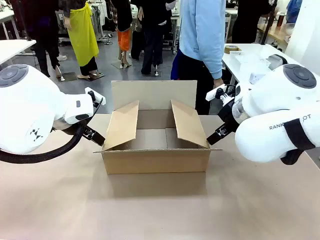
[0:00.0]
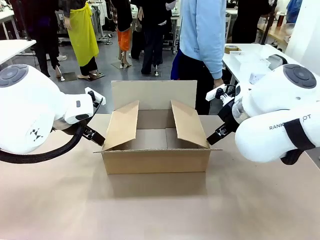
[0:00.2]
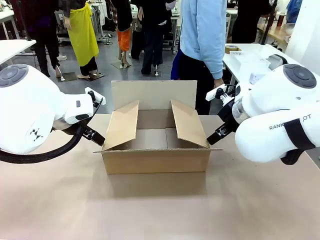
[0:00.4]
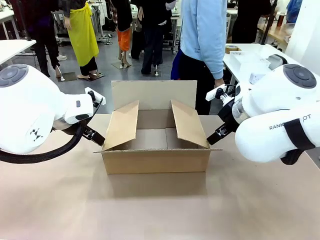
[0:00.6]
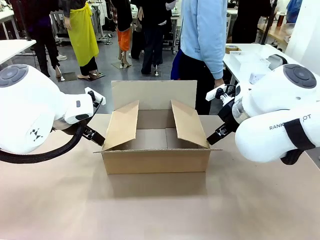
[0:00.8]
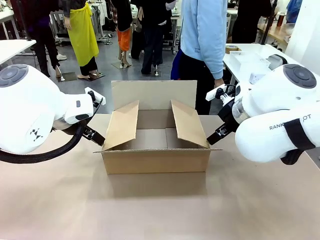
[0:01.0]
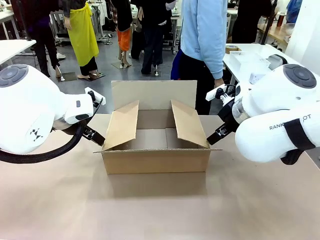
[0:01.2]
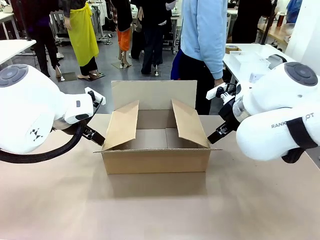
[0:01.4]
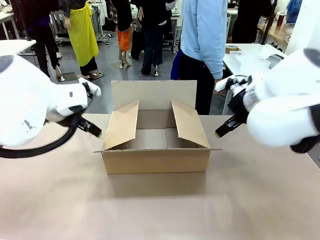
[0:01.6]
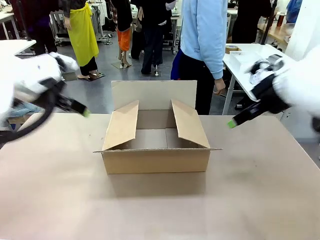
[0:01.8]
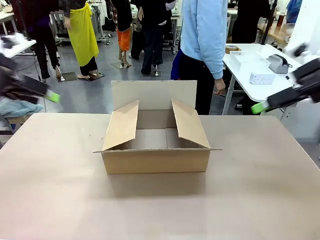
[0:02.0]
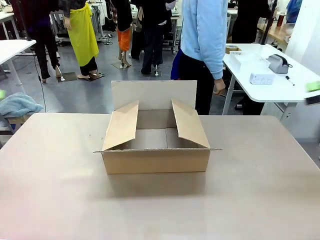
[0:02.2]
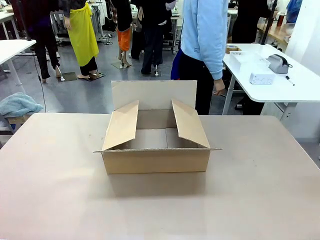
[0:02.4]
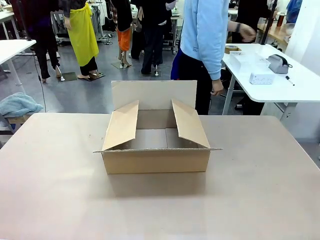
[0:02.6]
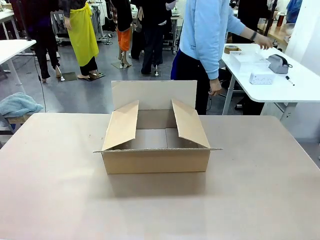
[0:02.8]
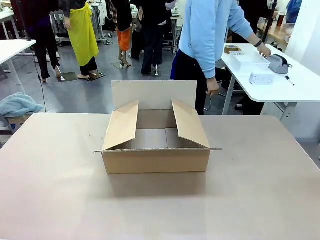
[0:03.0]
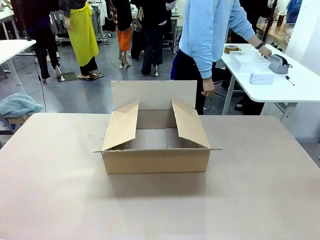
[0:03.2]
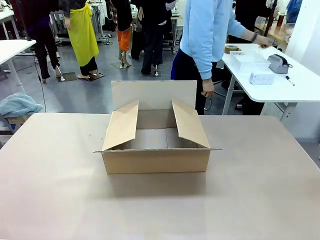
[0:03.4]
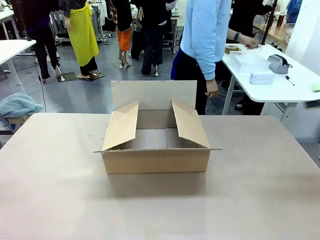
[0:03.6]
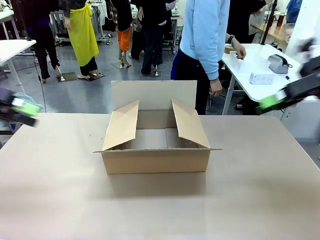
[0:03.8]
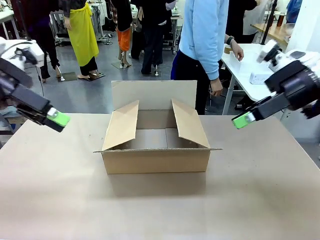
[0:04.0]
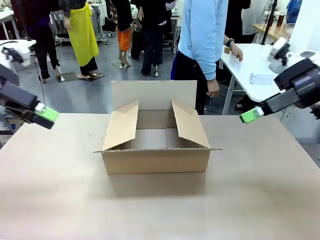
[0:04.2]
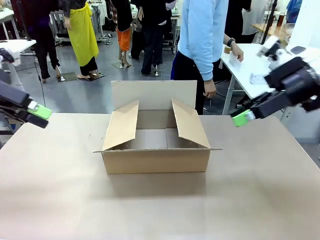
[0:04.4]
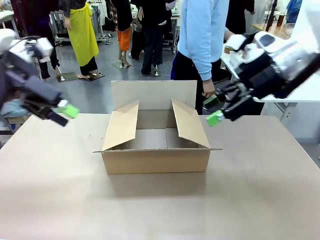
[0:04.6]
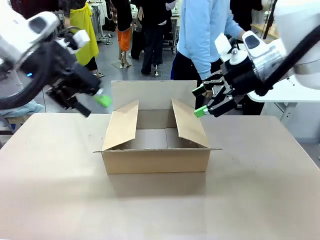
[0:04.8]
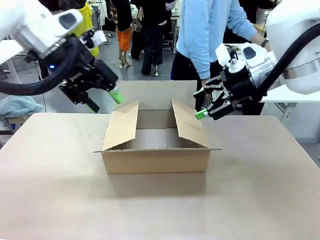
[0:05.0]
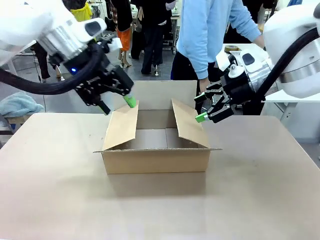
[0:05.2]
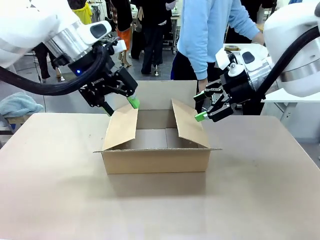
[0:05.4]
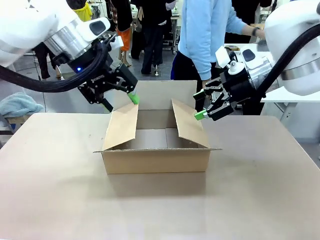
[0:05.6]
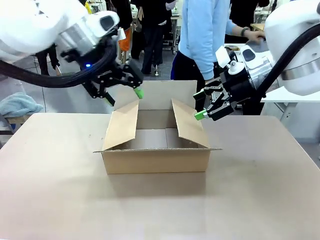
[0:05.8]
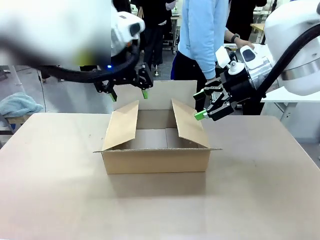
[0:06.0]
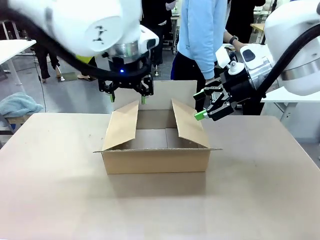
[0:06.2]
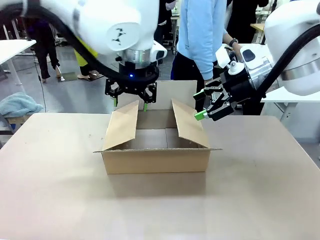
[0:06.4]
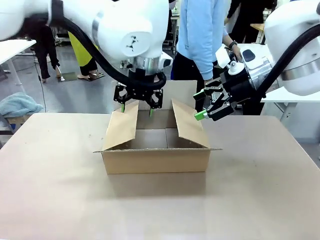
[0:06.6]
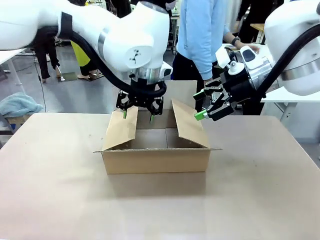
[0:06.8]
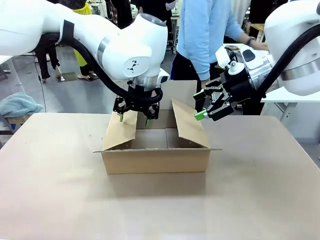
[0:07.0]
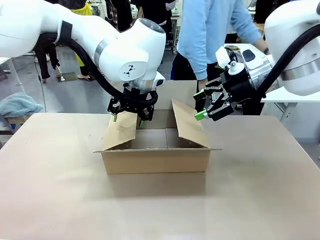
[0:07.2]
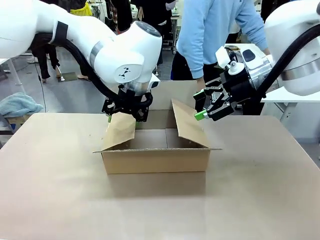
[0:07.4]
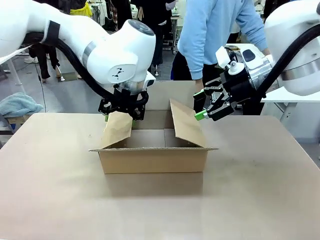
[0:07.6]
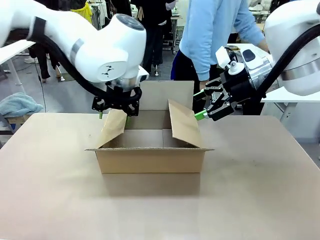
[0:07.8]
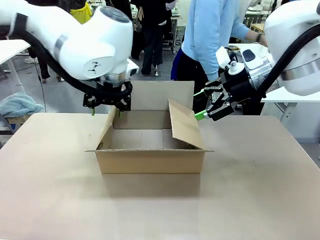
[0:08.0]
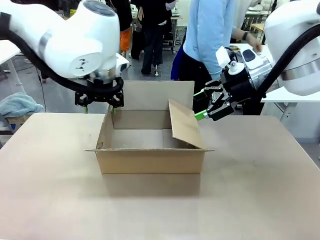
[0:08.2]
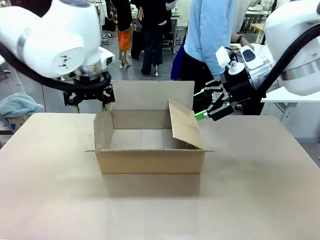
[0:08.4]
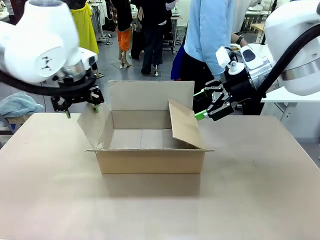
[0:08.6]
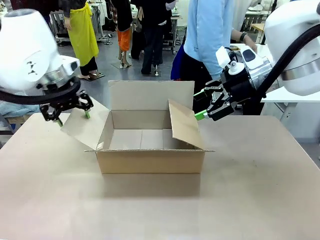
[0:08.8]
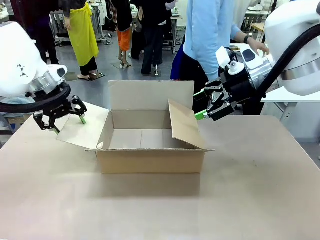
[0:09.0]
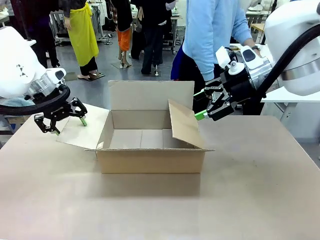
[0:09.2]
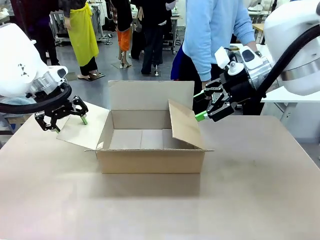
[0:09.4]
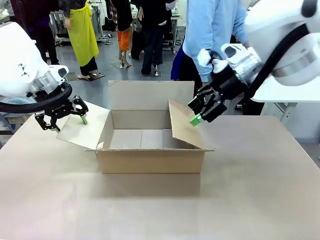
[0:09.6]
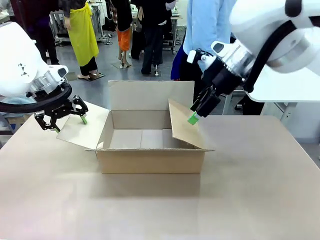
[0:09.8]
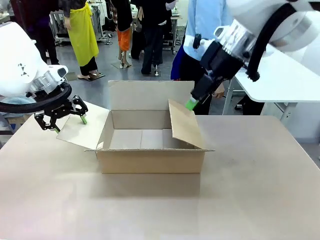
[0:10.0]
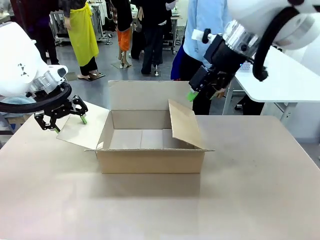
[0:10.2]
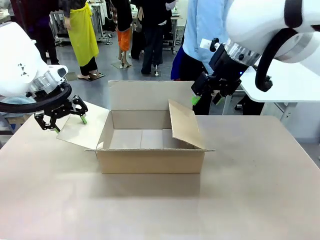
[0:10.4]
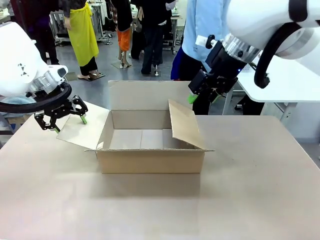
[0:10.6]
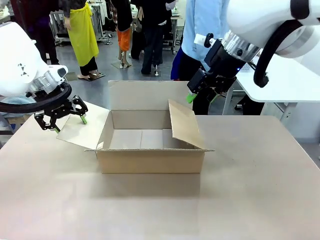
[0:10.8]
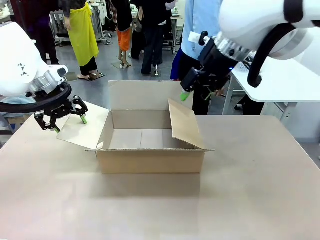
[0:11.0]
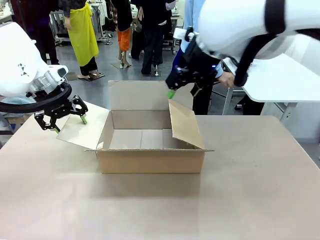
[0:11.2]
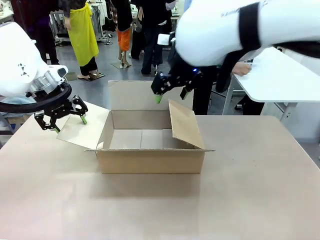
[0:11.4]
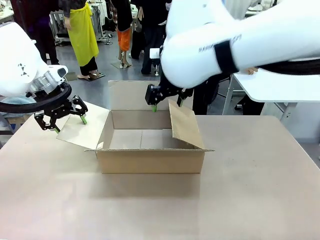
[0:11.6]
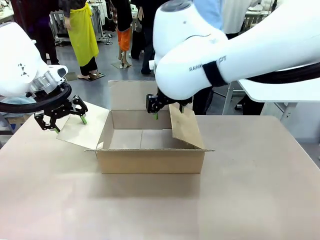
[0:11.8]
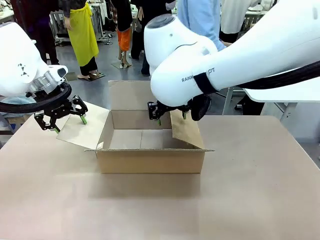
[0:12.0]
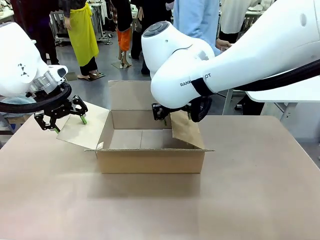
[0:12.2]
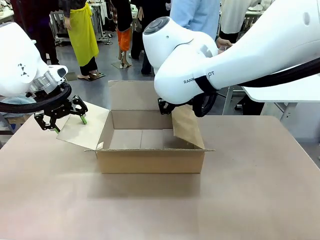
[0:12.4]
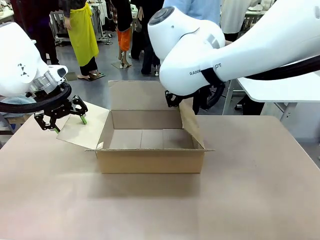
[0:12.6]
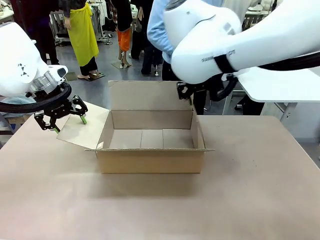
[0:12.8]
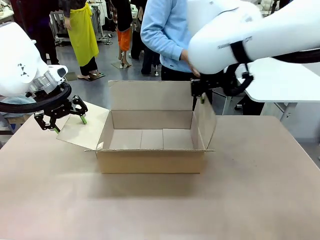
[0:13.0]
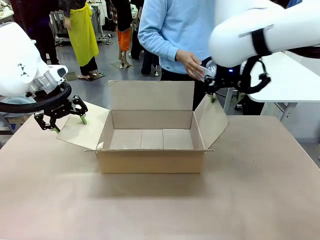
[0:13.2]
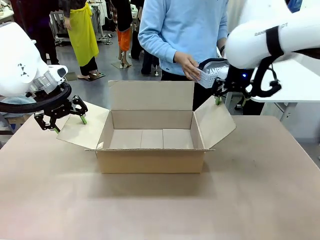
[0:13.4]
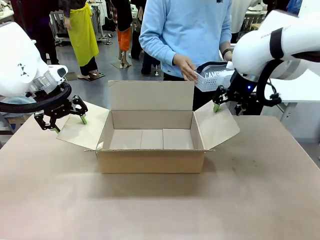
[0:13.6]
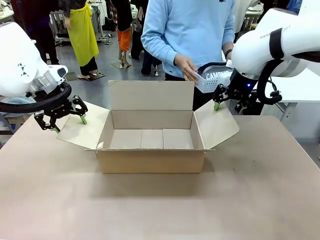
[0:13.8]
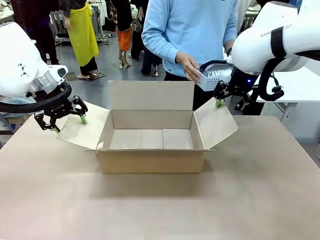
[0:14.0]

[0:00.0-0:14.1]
Task: Pack the gift set into the box.
Robot: Place both hands on the side flaps of the Package Box and spread them outward.
Person: The human places all items except the paper tape into the organizing basket.

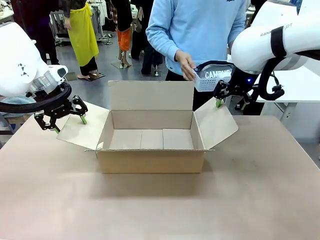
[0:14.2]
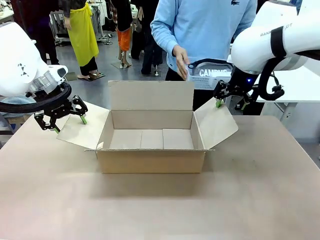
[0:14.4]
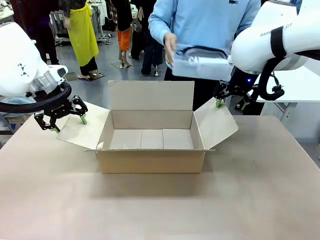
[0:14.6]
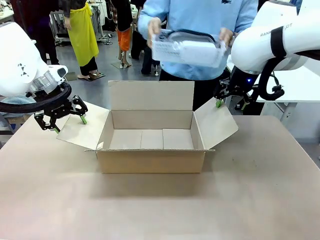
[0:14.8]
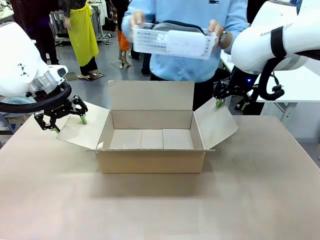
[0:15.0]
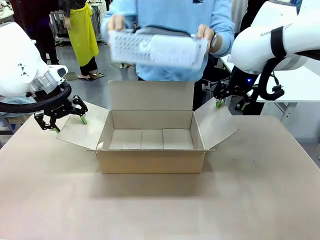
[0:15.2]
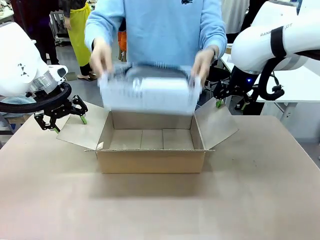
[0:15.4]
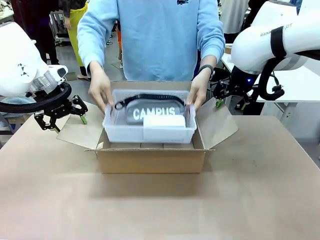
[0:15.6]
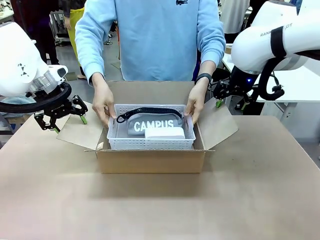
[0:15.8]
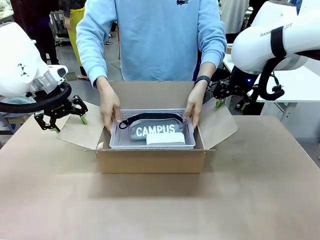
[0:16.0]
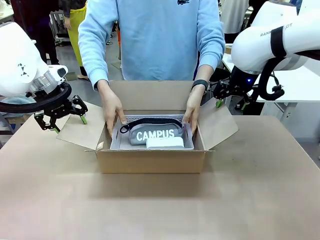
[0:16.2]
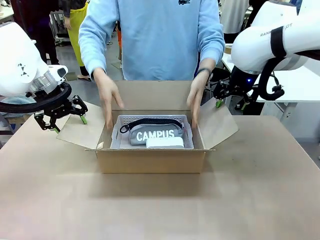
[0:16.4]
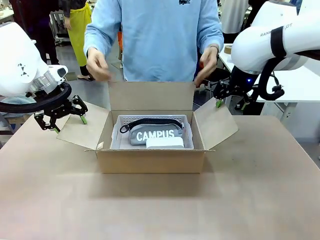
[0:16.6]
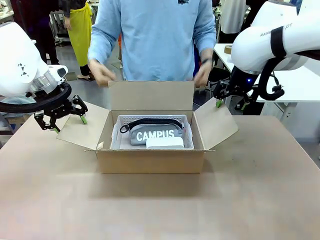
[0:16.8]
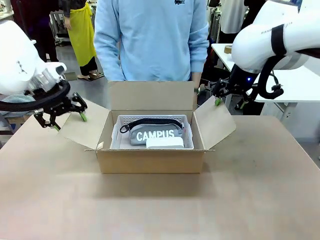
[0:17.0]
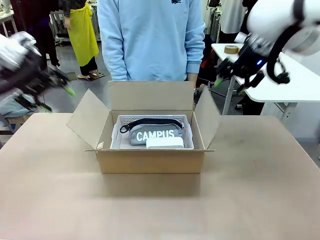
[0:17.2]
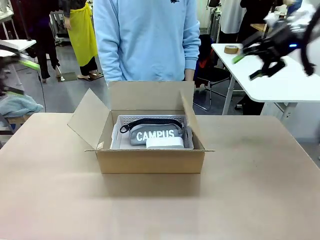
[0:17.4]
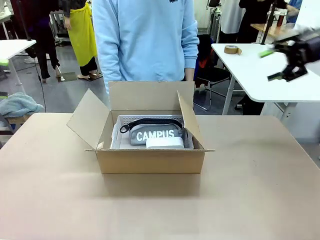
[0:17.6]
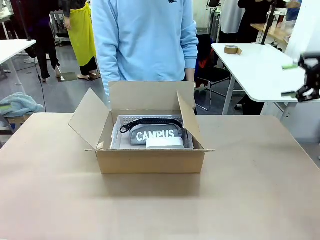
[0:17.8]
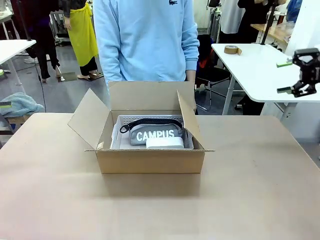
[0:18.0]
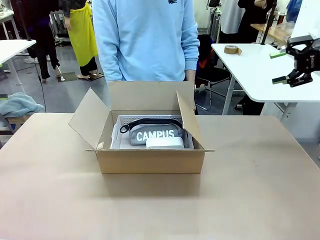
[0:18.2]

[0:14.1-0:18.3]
Robot: Lift both hands away from the flaps of the Package Box.
Person: The human picks up the organizing basket and places the organizing basket into the package box on the robot table.
